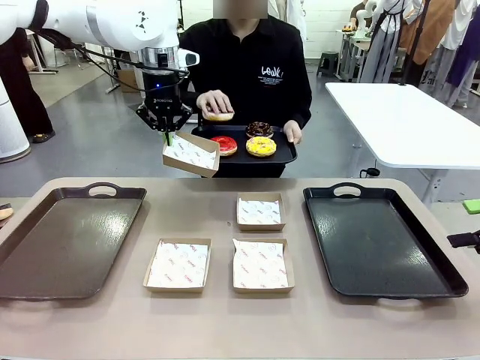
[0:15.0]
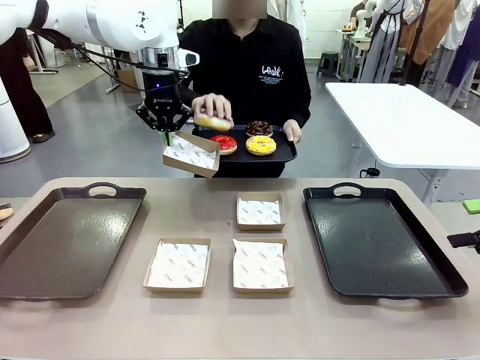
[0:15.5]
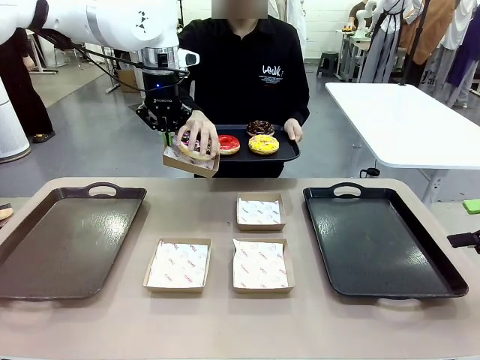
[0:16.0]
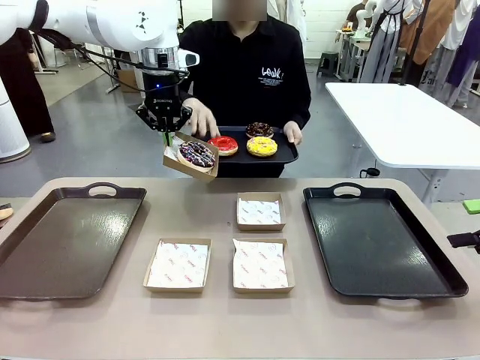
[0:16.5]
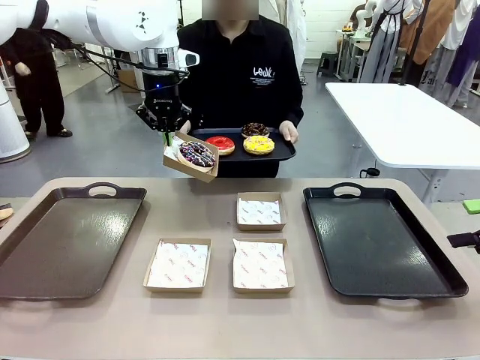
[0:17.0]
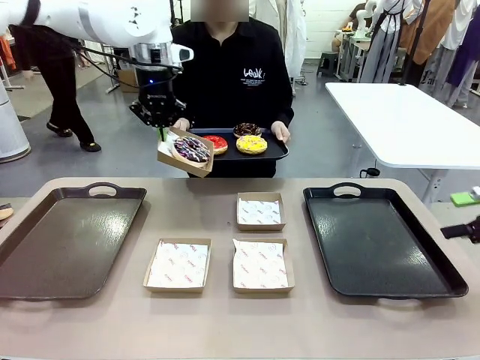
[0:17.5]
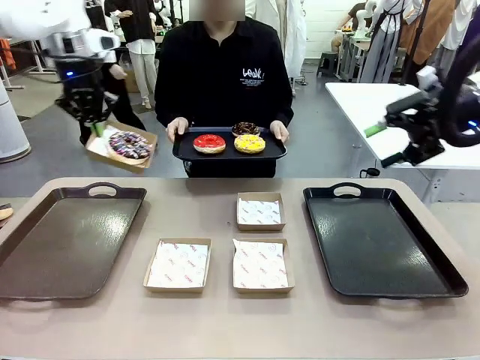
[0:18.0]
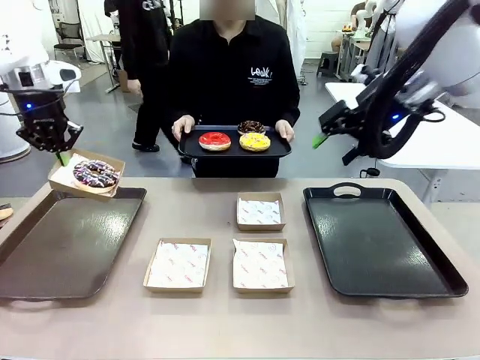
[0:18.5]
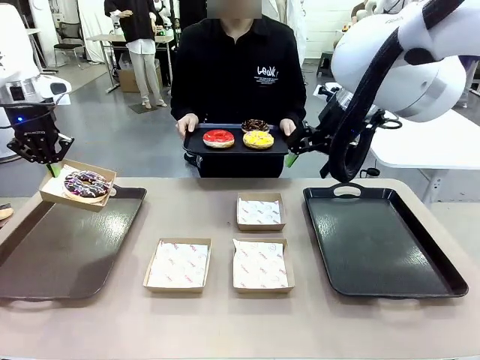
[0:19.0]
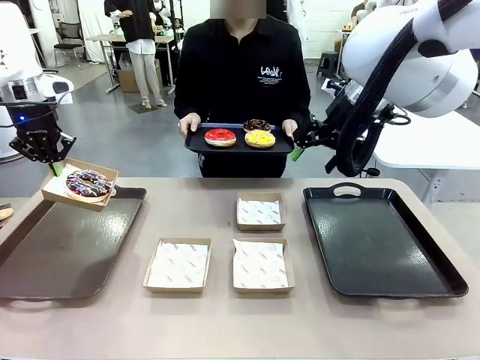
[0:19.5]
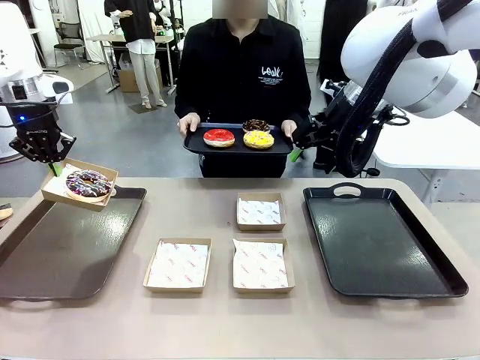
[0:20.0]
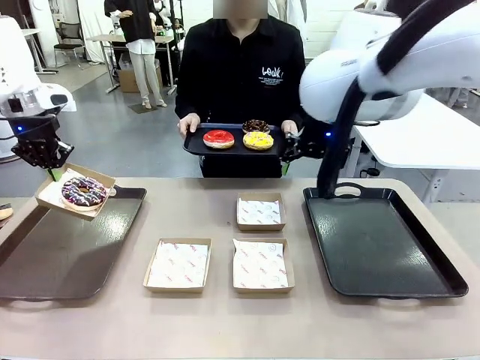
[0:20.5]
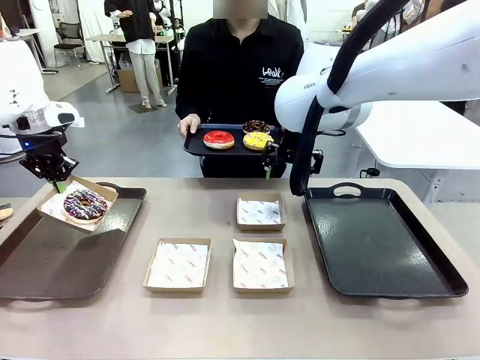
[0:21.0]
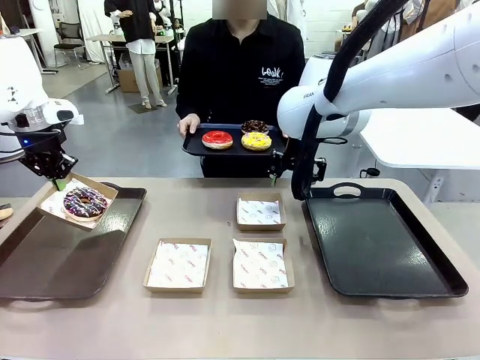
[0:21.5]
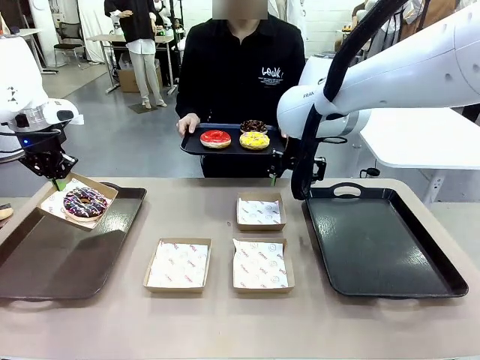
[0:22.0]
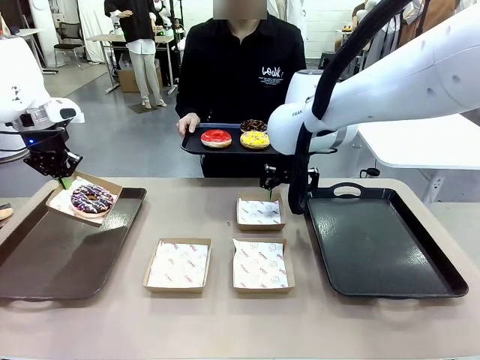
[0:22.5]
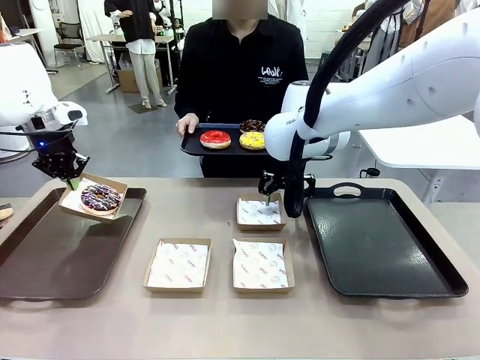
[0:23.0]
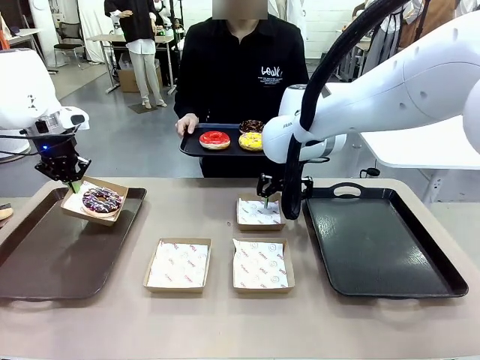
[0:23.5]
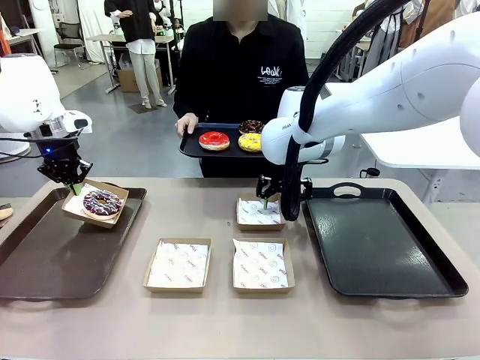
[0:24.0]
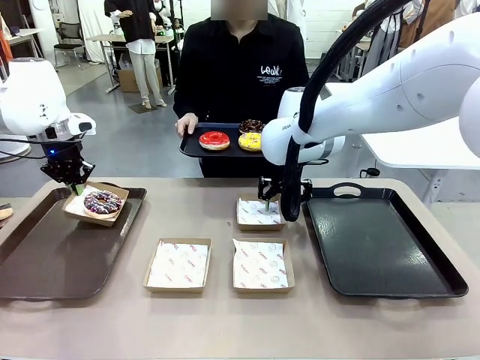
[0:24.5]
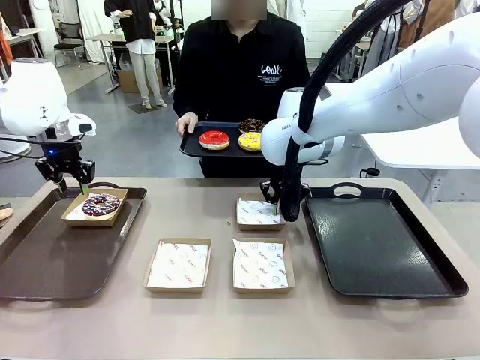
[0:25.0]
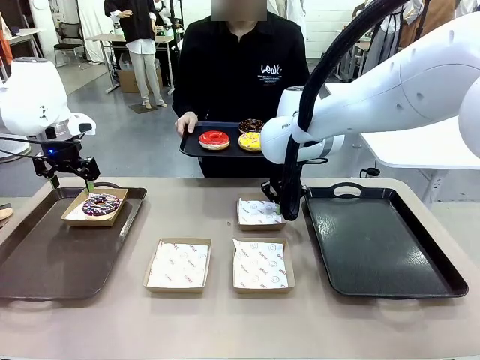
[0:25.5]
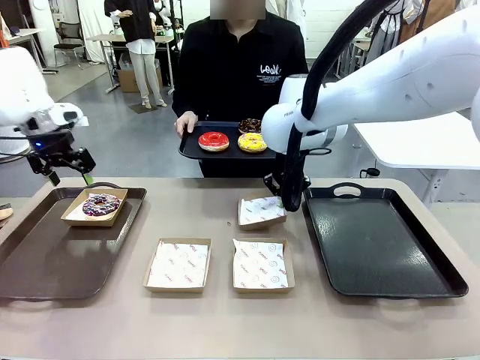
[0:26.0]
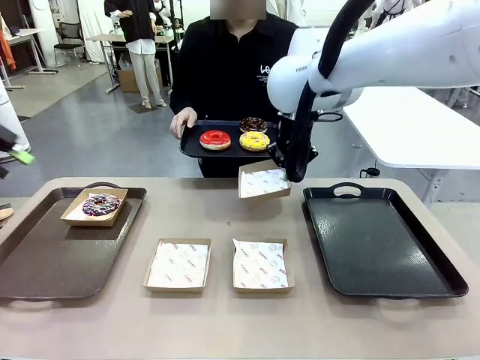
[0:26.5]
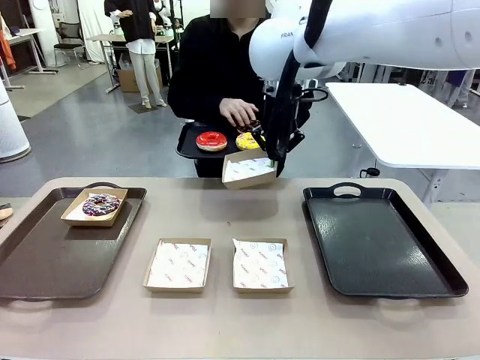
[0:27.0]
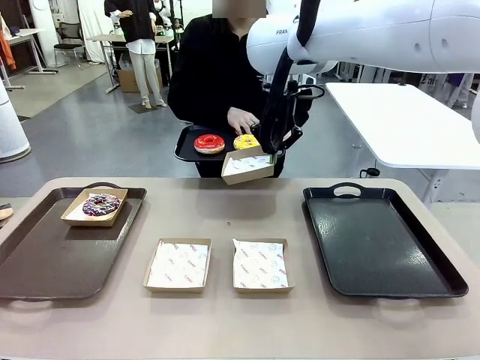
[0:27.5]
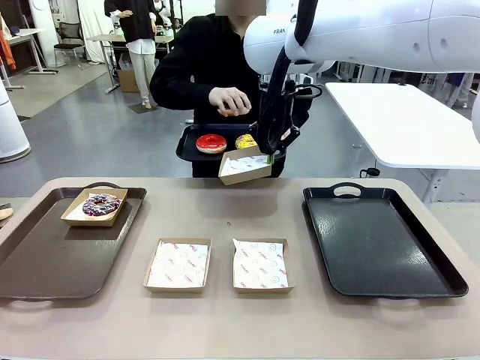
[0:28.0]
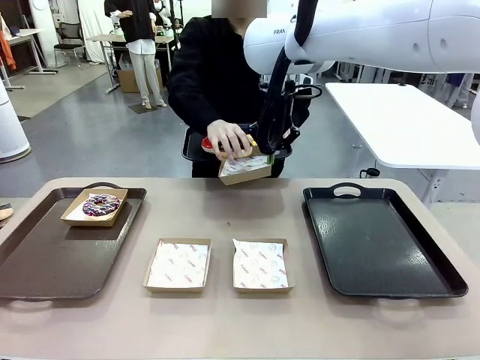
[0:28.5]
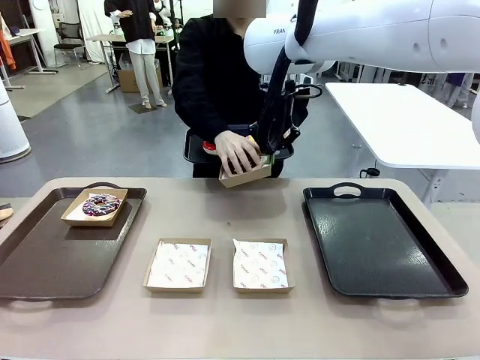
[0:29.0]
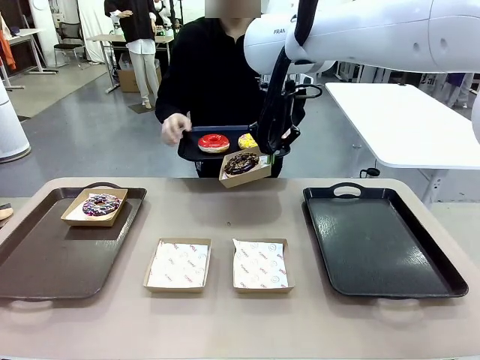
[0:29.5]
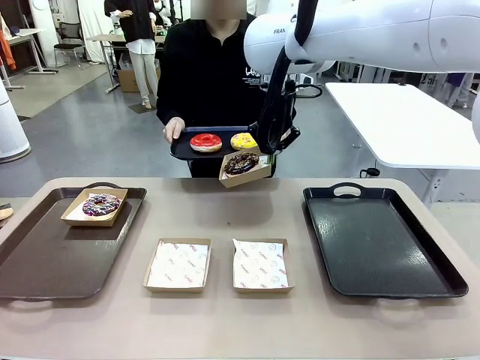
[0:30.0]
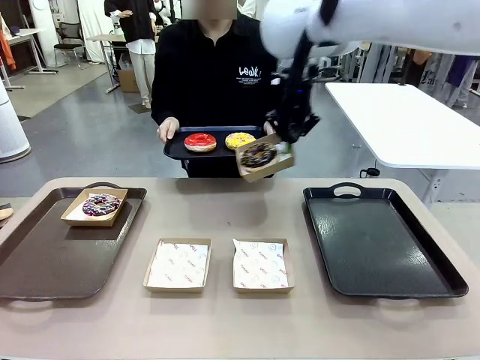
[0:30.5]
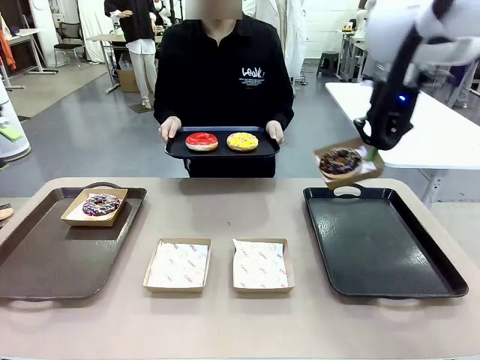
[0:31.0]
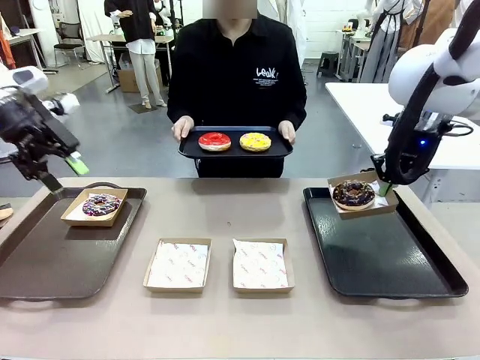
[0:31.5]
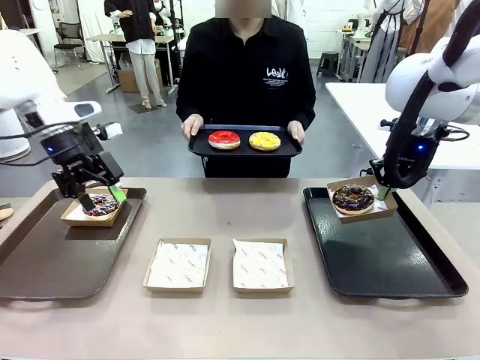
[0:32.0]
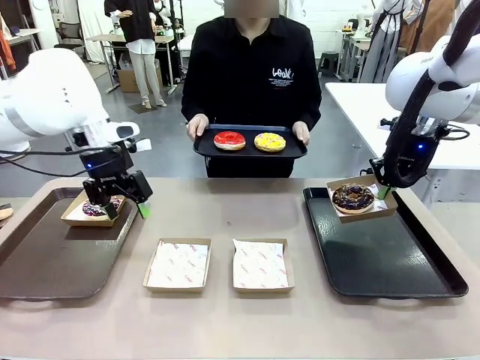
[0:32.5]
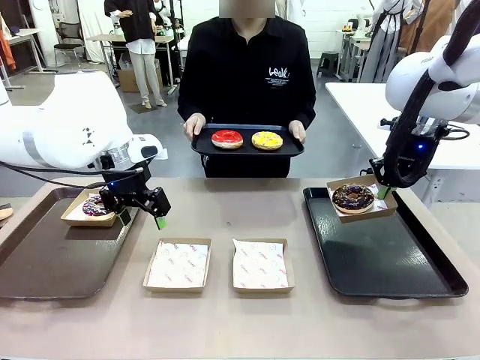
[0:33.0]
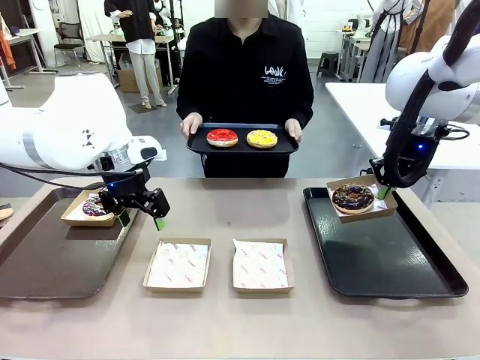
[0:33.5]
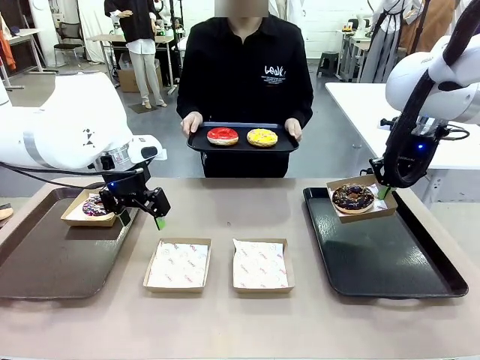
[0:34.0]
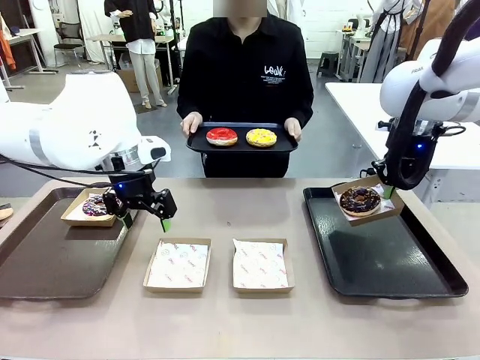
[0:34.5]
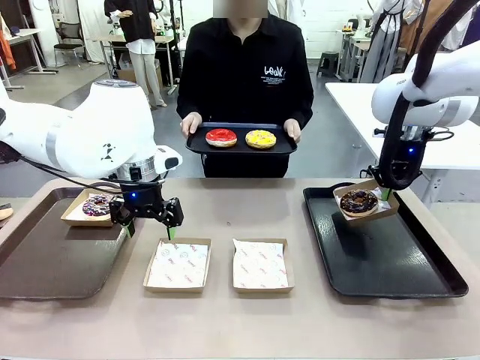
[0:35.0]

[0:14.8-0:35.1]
Task: Individually package the donuts and arrange them on the tray.
Robot: Place the picked Paper togo box on the Handle tray while simultaneously picking up another Paper togo box from the table with the other hand.
